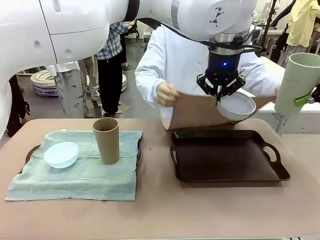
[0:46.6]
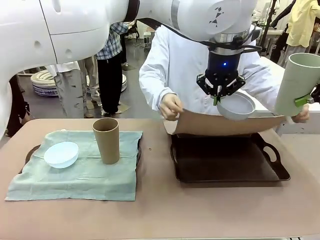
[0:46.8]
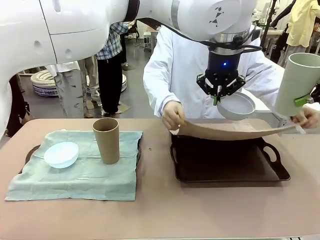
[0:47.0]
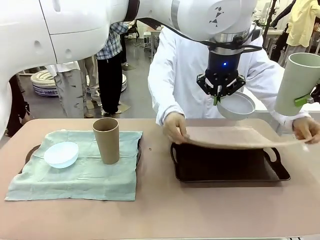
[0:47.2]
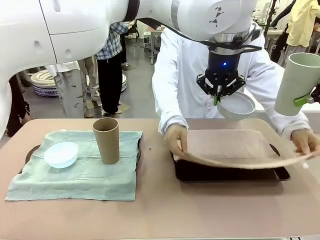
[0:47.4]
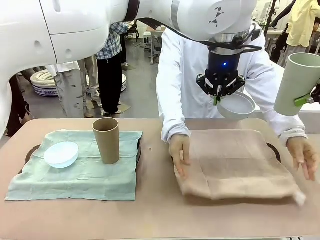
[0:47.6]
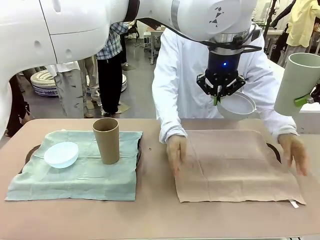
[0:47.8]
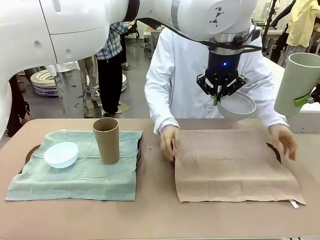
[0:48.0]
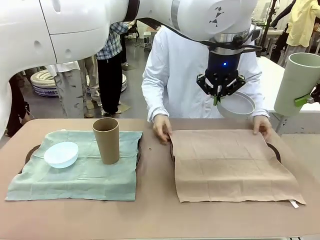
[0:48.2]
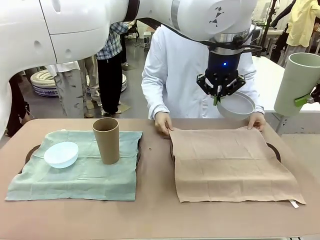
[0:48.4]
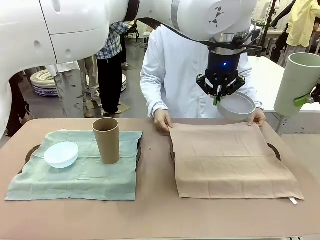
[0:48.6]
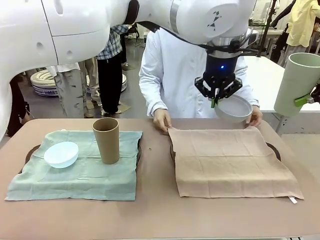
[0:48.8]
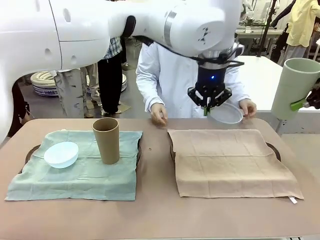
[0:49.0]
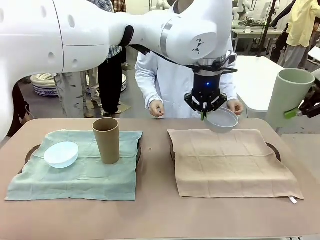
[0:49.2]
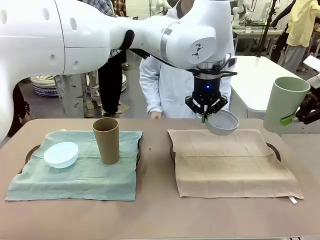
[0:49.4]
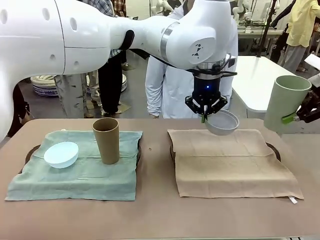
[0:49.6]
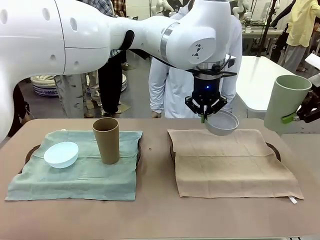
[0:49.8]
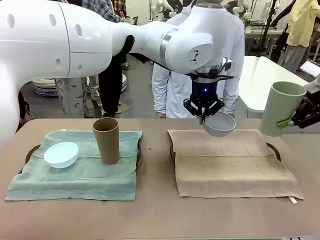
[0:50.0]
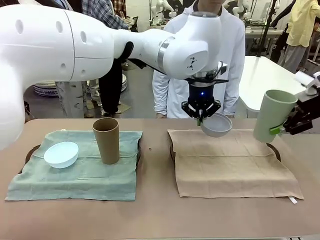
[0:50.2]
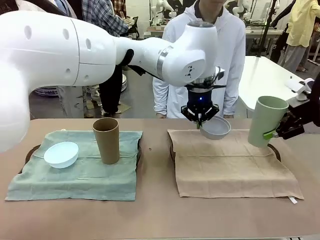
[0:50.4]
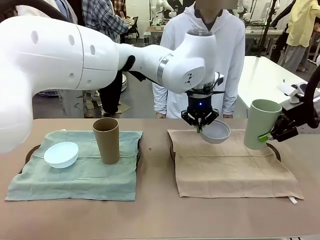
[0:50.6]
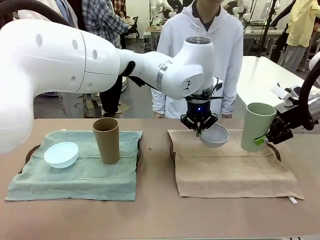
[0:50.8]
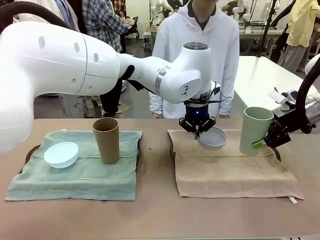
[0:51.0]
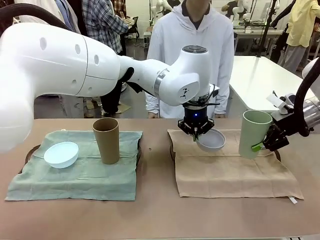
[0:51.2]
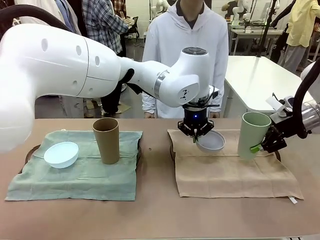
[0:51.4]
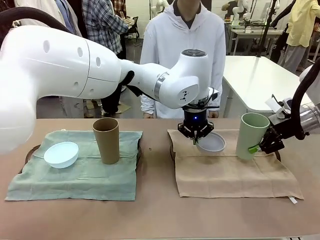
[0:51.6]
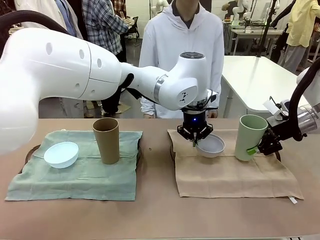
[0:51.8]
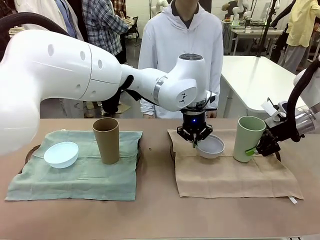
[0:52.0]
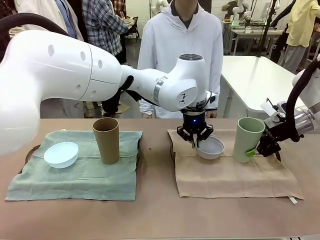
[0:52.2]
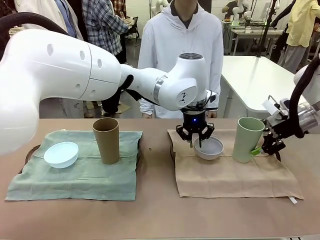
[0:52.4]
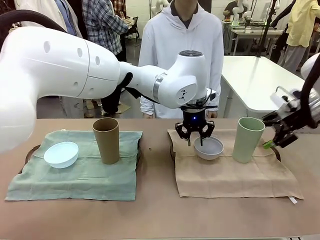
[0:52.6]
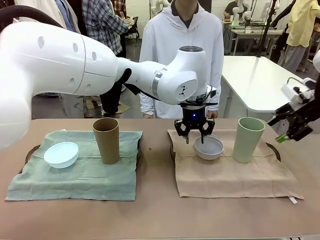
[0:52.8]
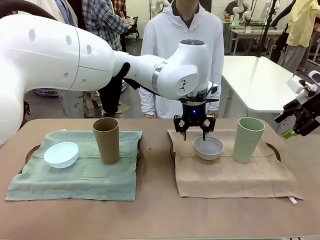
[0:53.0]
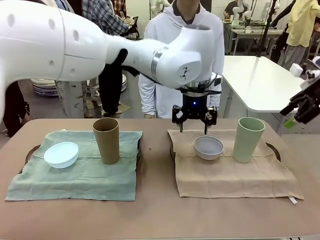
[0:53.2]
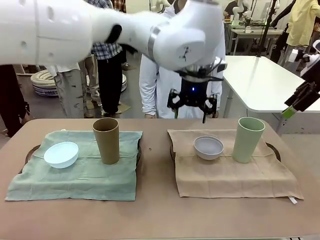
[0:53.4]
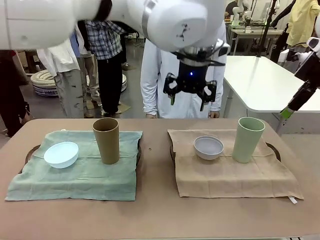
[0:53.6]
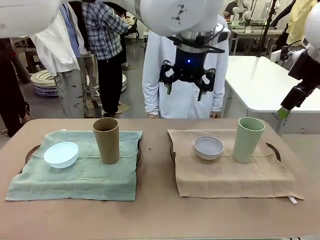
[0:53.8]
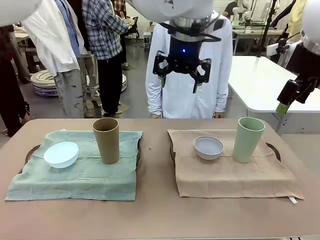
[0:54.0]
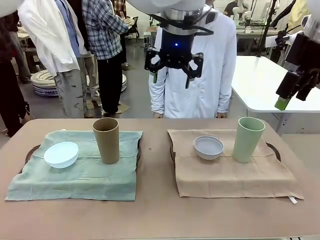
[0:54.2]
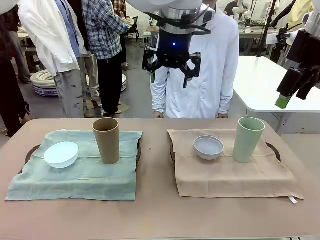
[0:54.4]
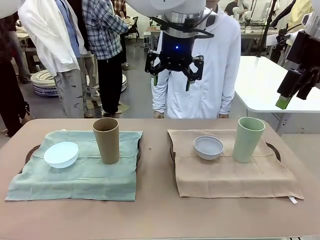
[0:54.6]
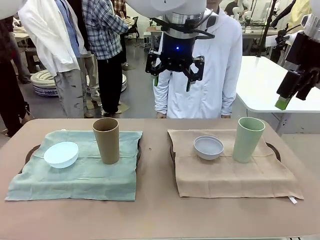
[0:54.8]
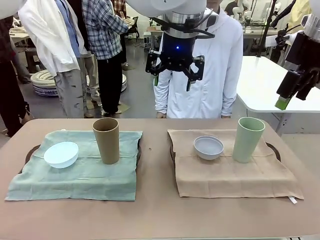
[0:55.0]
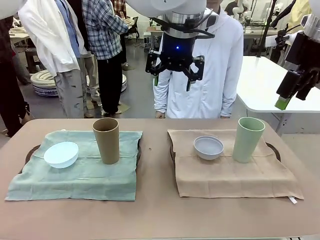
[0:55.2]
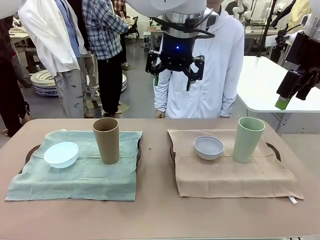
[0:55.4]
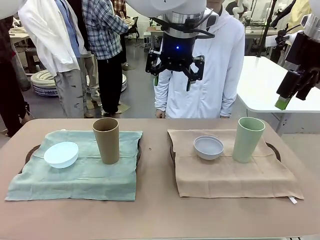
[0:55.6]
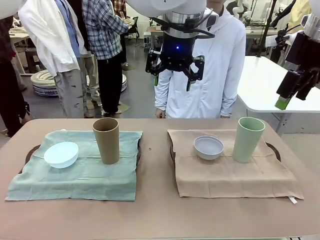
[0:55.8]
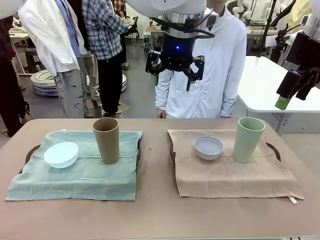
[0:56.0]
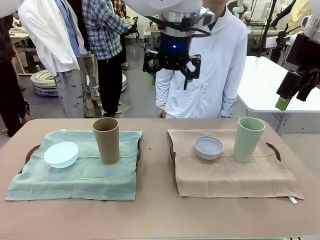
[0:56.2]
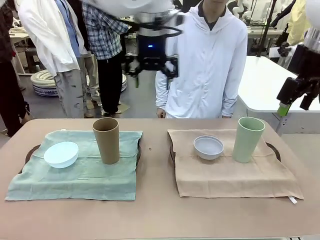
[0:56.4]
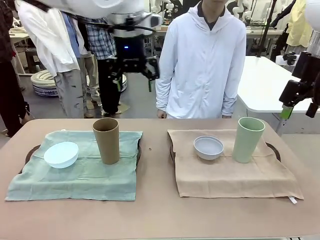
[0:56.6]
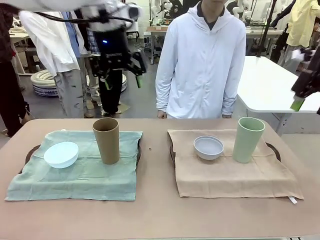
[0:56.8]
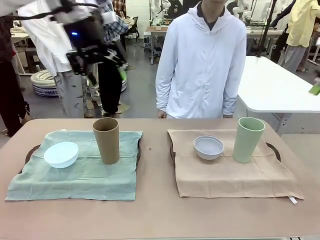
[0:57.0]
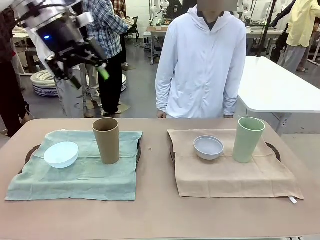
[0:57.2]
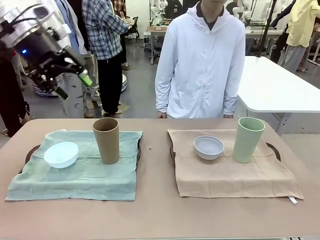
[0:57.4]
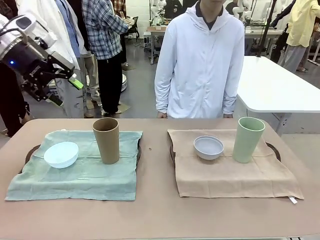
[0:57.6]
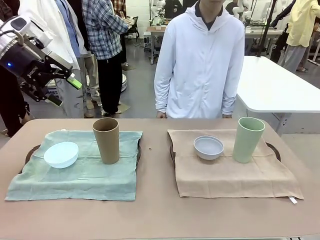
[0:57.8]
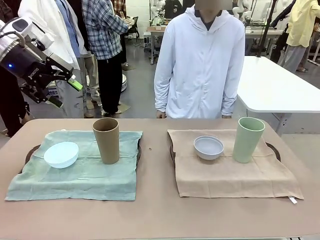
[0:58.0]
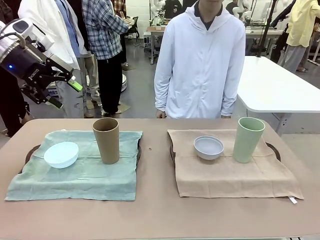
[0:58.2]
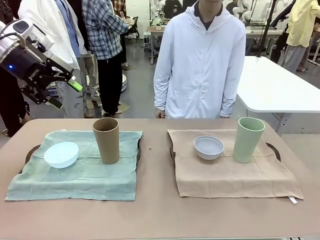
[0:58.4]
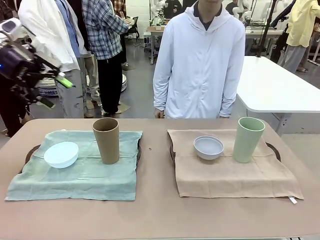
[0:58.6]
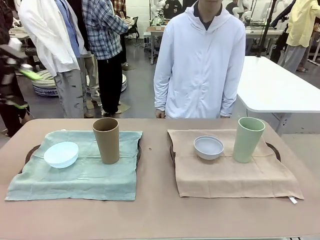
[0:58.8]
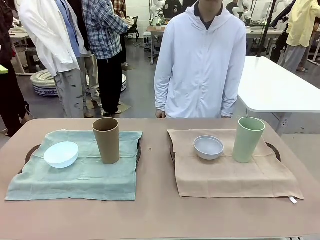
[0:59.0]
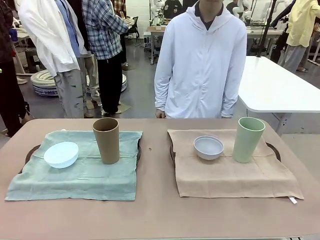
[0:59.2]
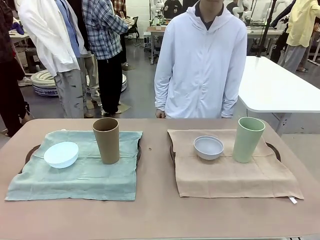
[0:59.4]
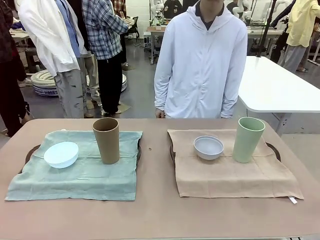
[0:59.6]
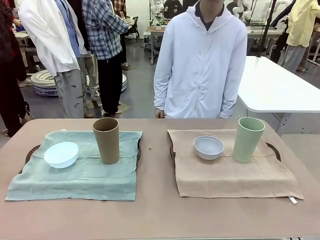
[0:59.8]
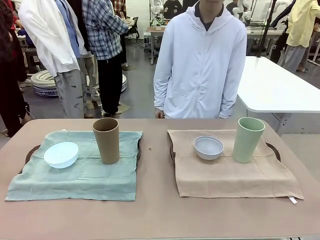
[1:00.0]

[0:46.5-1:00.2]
Robot: Place the Picnic Bowl and Reusable plastic cup back onto the Handle tray in front of the human's position.
